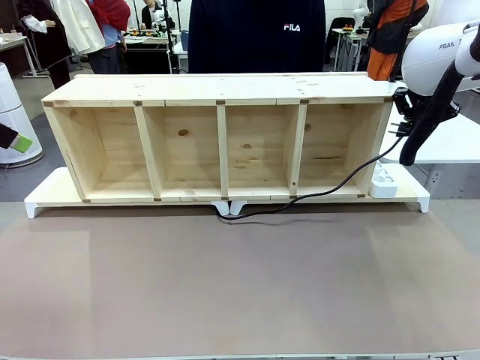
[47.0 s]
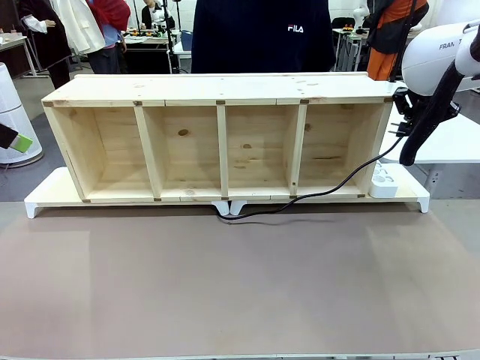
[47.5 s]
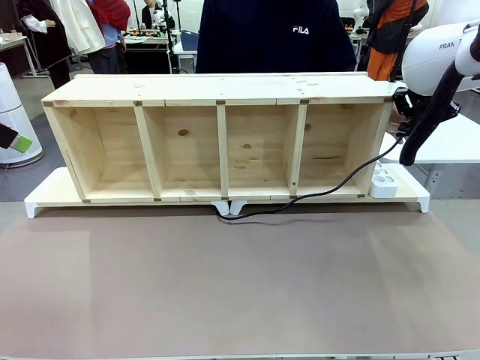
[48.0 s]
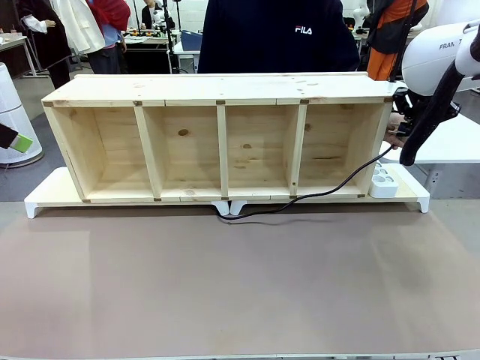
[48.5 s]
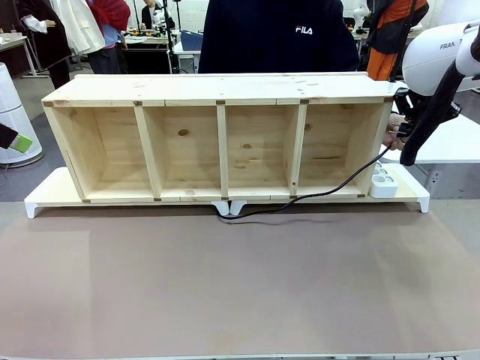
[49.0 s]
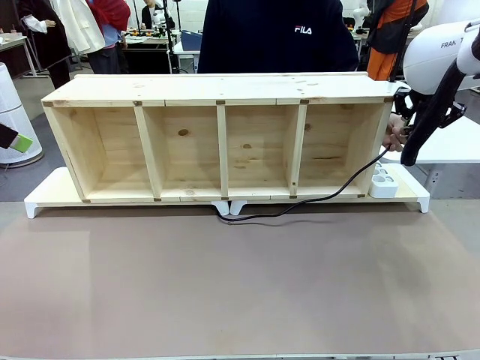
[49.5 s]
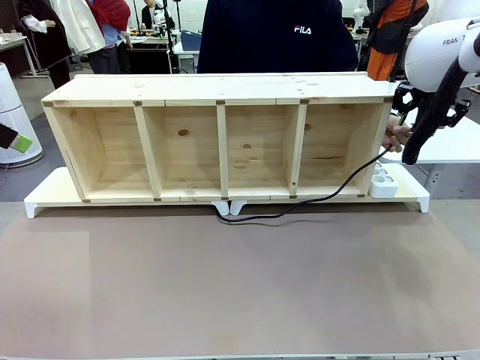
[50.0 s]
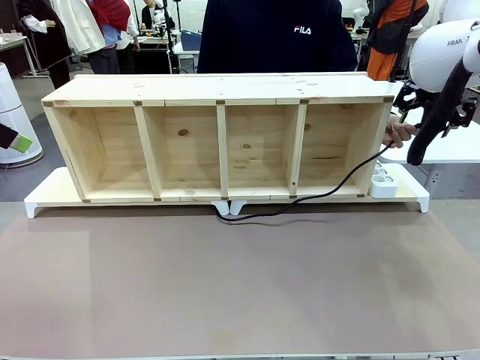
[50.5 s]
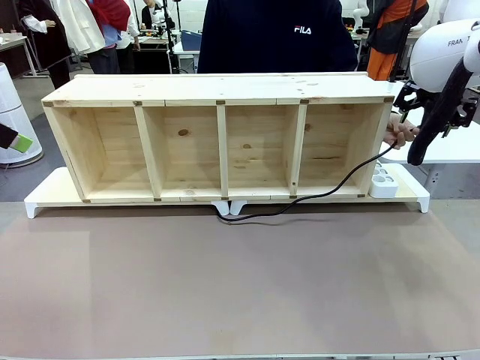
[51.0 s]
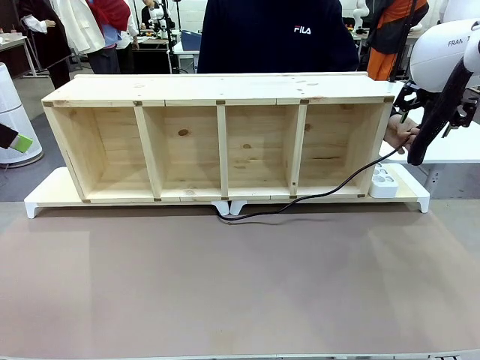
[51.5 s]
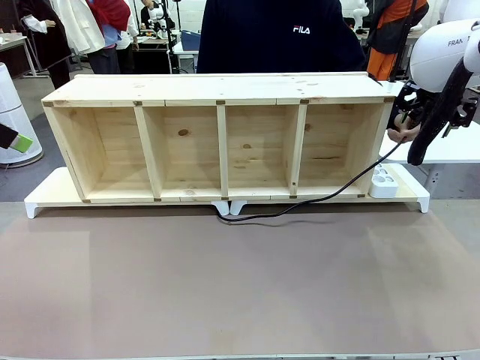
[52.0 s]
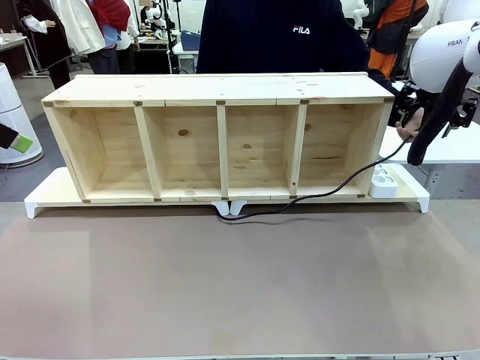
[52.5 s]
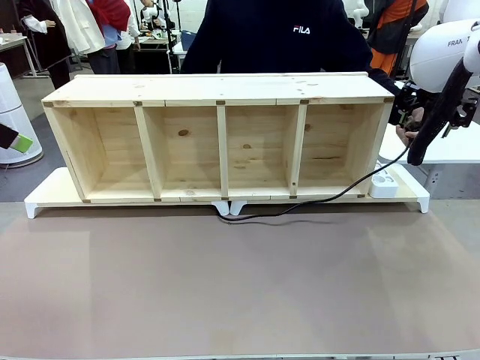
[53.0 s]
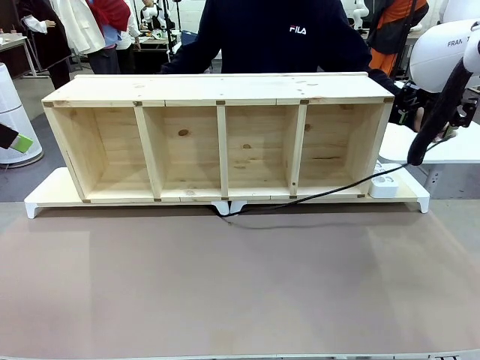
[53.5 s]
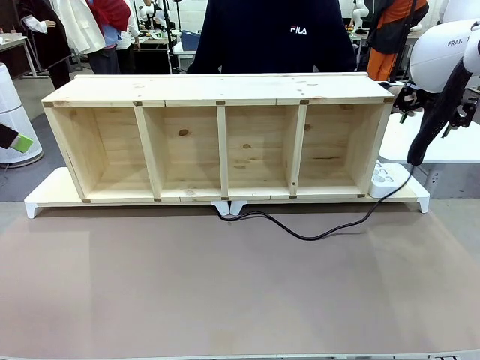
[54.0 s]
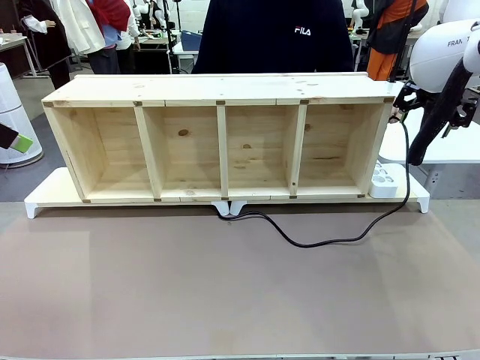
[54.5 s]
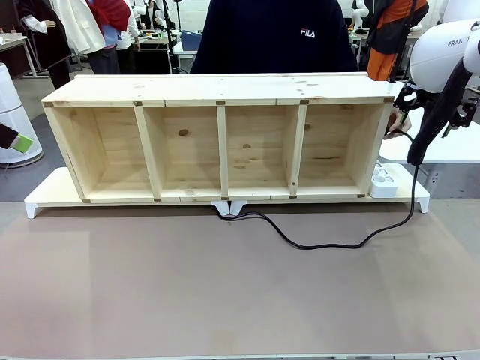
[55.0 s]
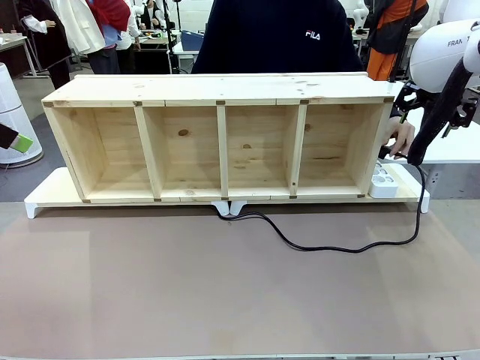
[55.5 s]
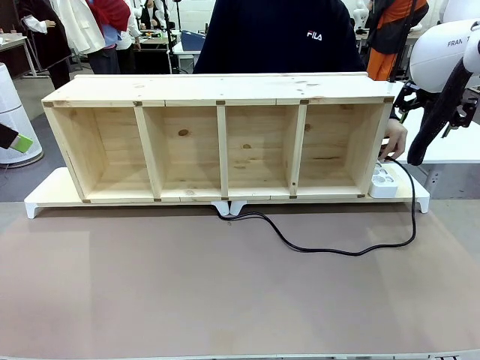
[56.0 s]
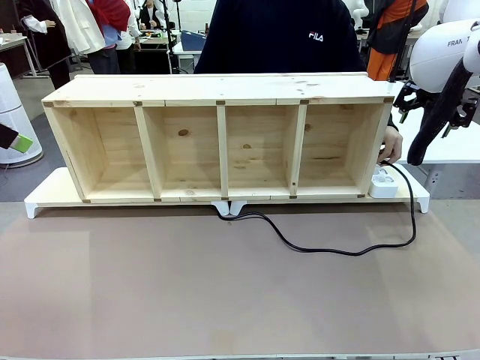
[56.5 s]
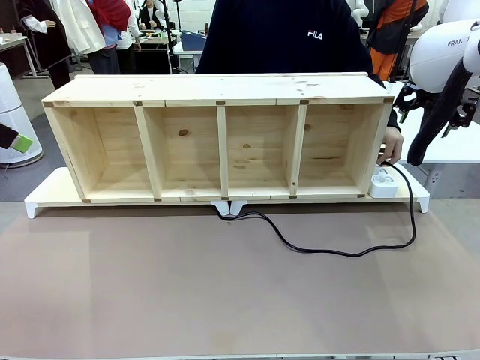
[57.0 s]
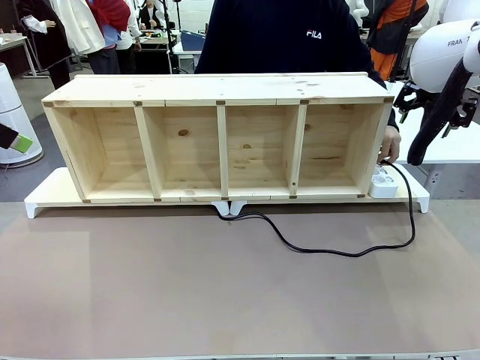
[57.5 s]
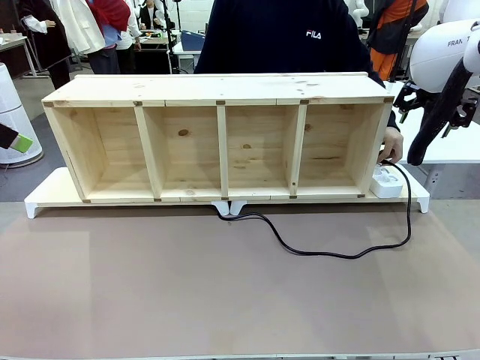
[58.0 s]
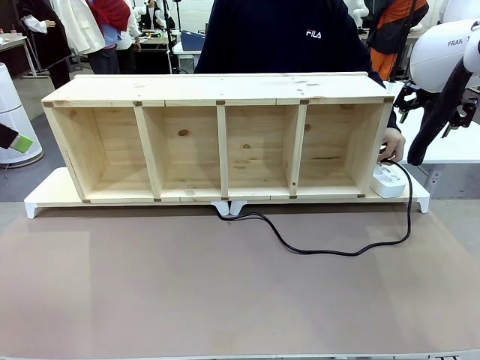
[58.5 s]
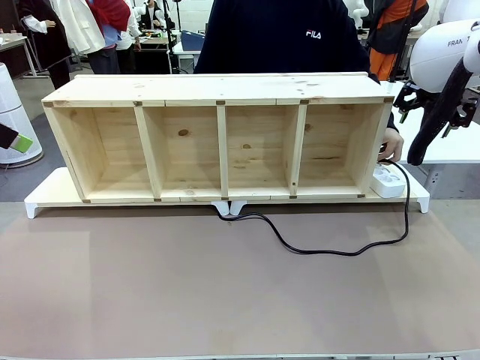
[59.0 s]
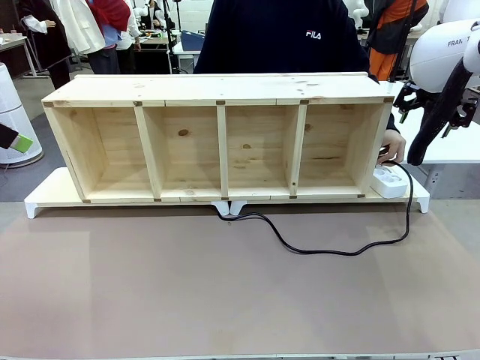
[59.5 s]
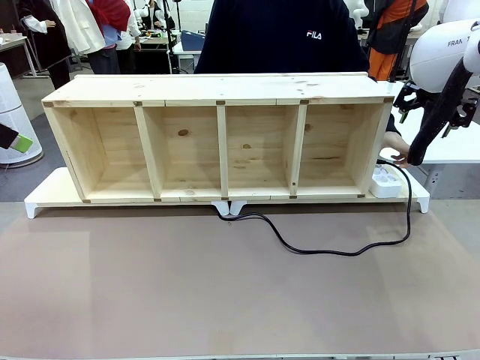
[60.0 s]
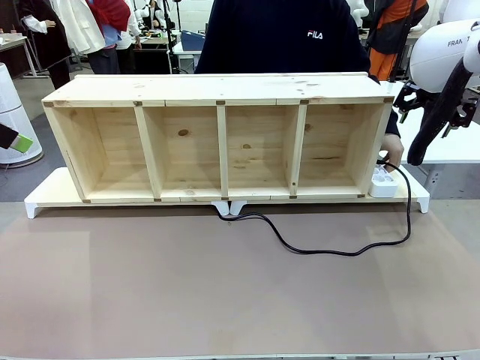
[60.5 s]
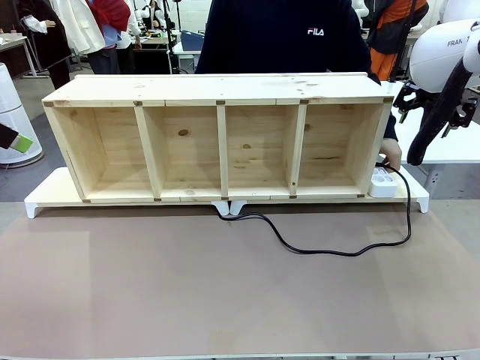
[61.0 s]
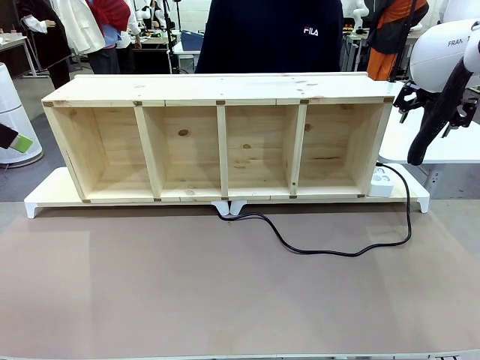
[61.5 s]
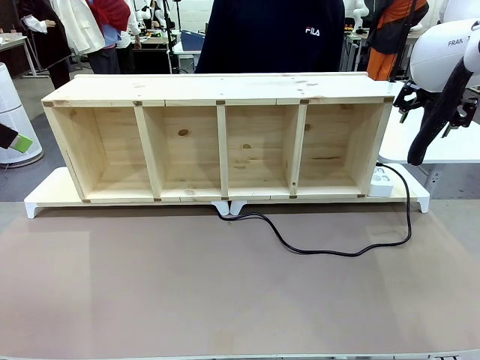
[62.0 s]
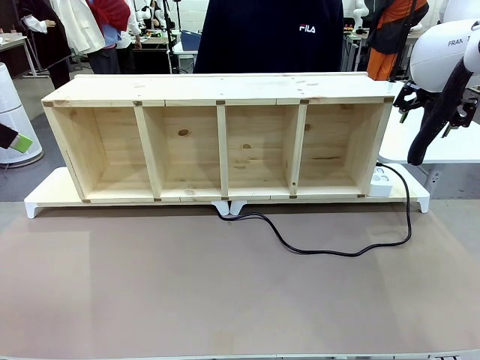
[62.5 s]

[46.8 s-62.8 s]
Task: Perform cable management.
Robot: Release the Power Cable when the human grasps it.
Person: Plug the Power Cable into the Power Strip.

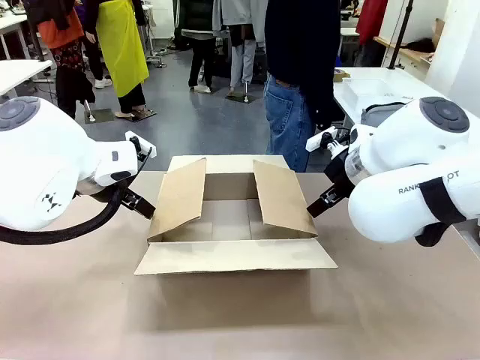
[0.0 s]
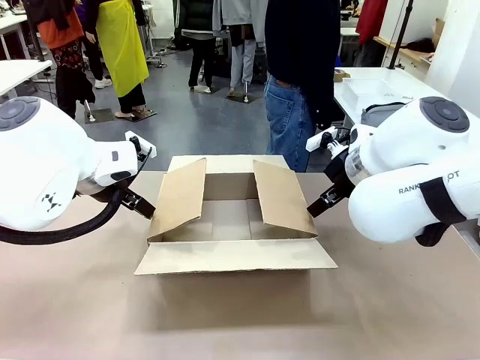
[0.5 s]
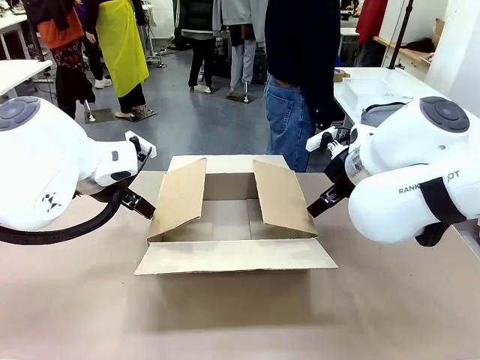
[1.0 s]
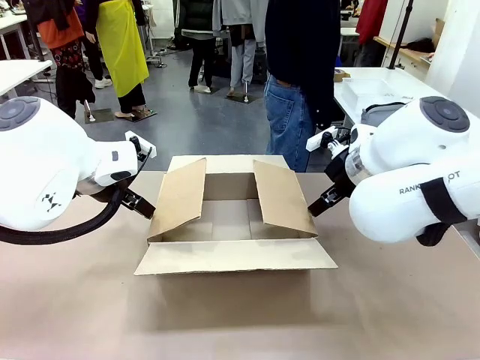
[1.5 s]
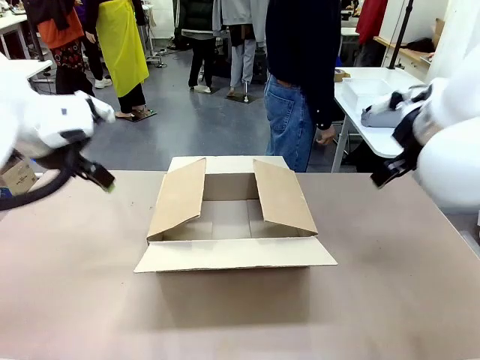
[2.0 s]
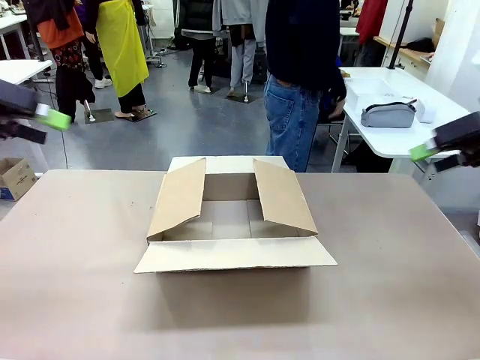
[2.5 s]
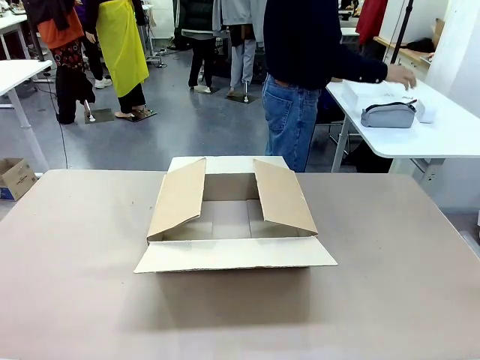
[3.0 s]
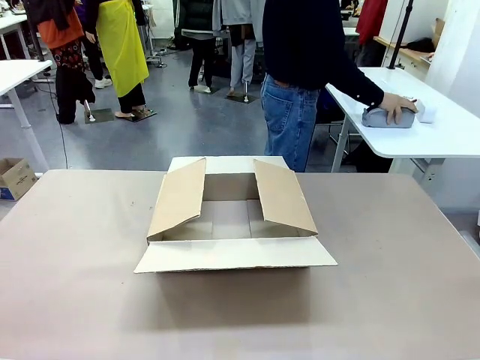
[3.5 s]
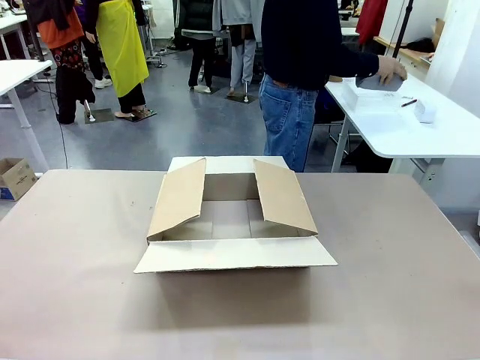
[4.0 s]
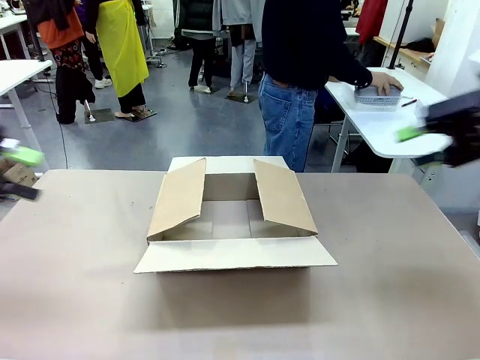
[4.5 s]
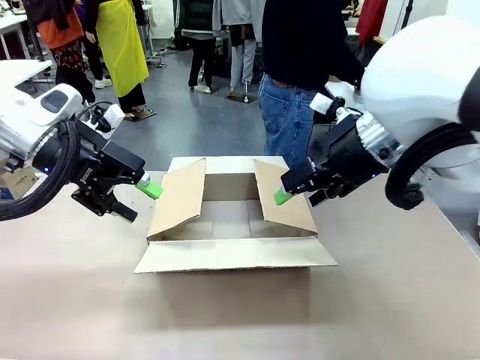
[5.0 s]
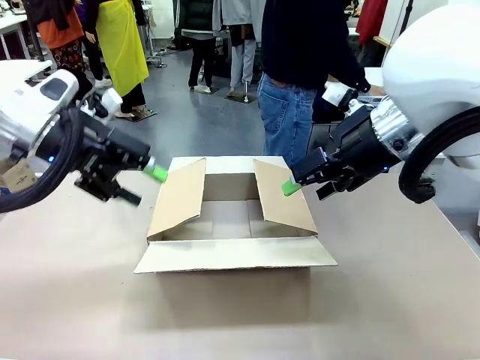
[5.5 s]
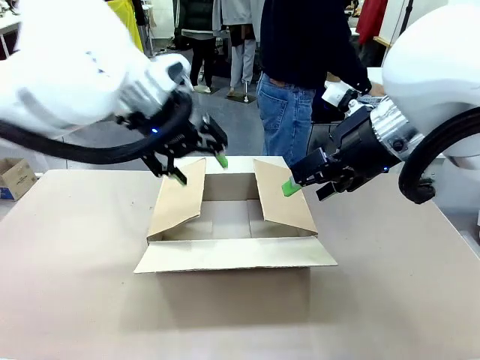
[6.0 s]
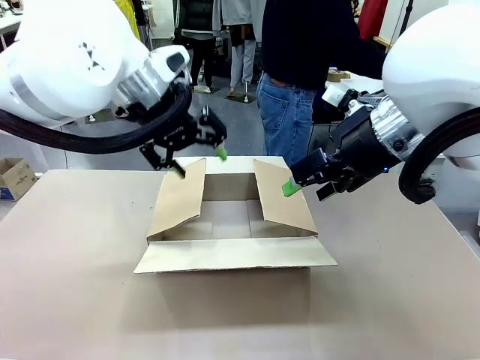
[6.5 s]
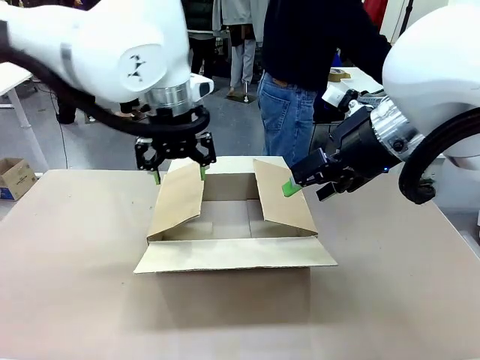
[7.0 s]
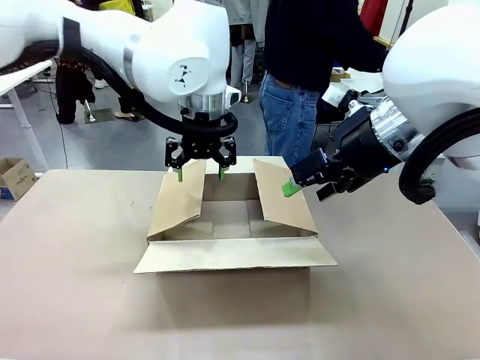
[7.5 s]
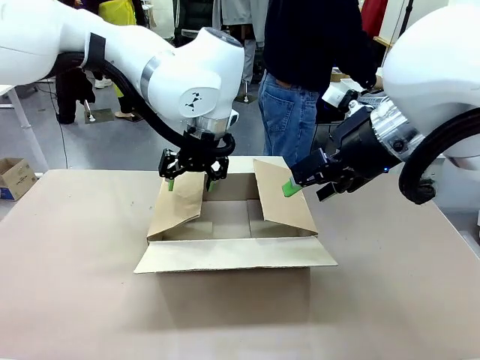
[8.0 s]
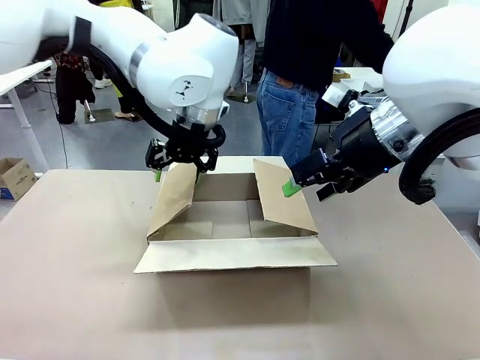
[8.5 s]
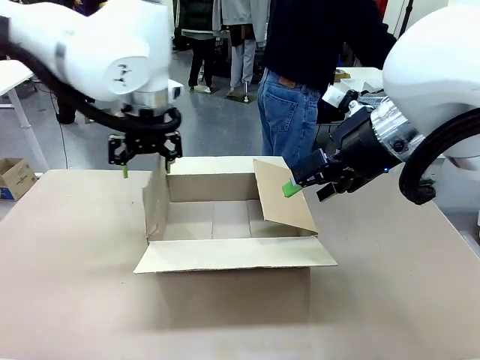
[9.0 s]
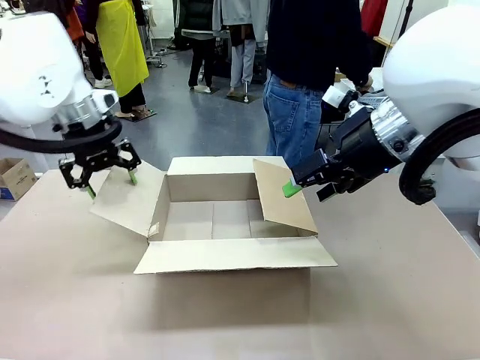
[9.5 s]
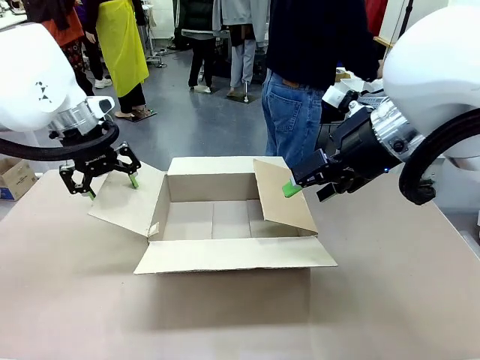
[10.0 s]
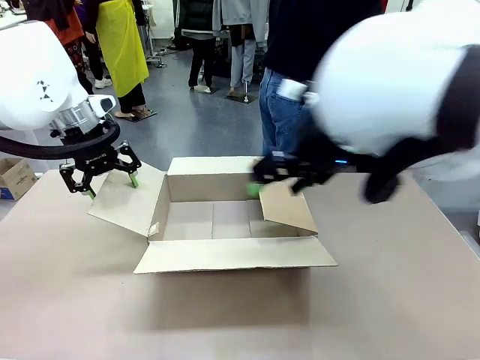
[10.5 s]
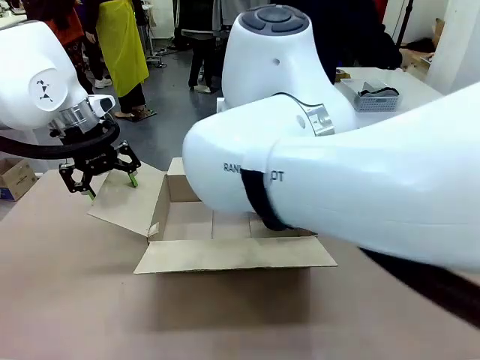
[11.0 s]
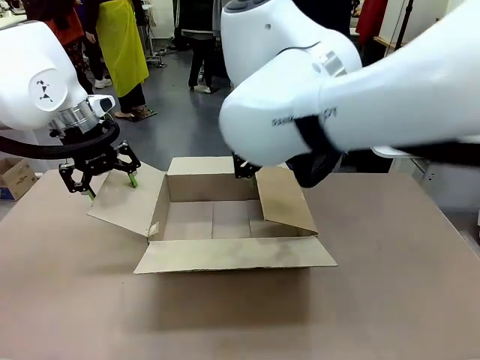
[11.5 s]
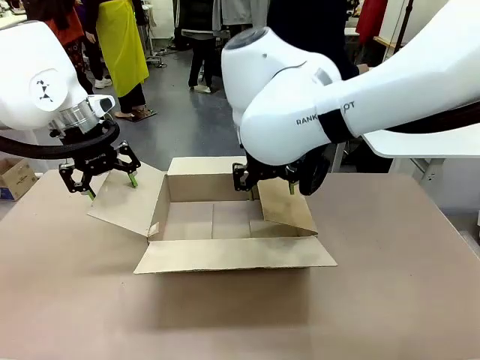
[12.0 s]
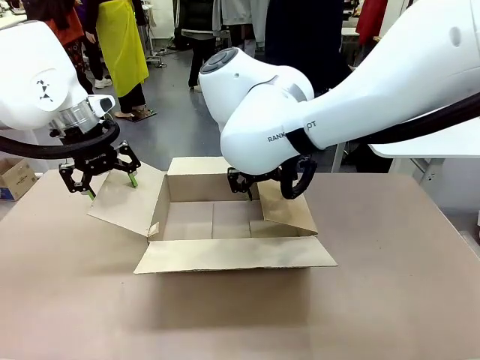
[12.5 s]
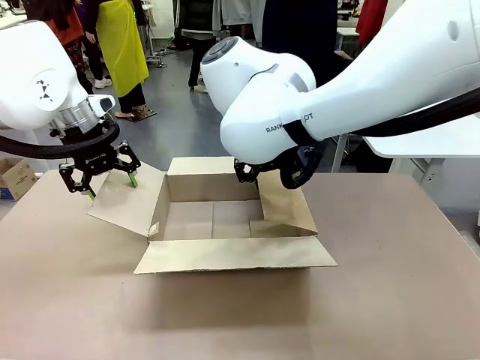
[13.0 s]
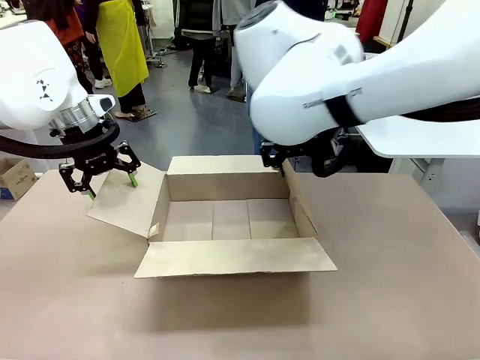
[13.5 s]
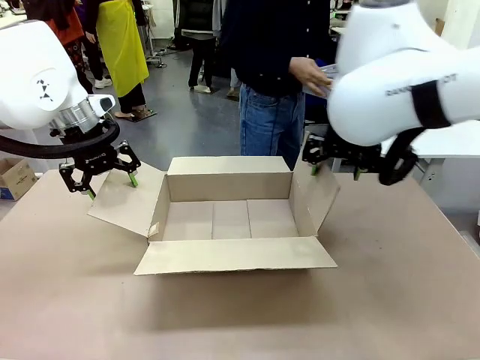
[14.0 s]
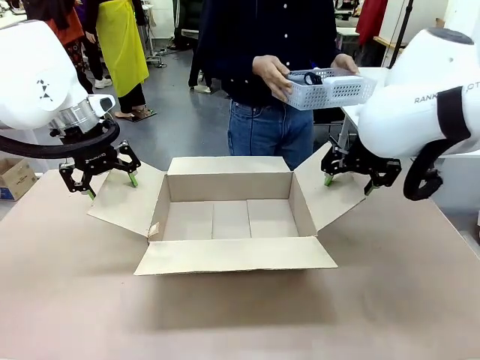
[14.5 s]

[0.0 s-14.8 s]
Task: Pack the gift set into the box.
Robot: Place both hands on the side flaps of the Package Box and spread them outward.
Person: The human places all items except the paper tape into the organizing basket.
